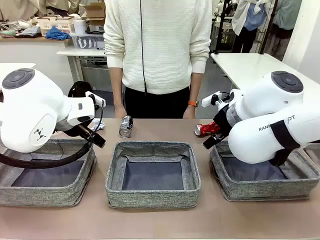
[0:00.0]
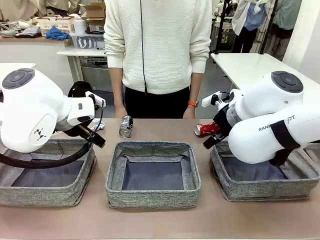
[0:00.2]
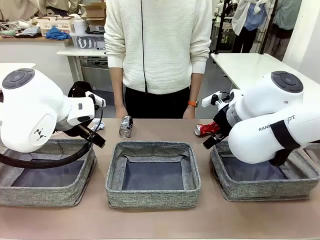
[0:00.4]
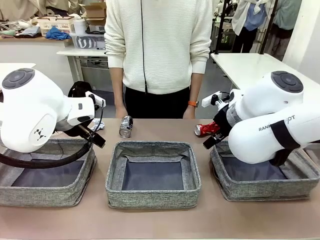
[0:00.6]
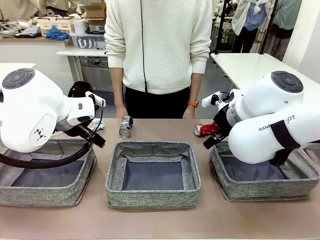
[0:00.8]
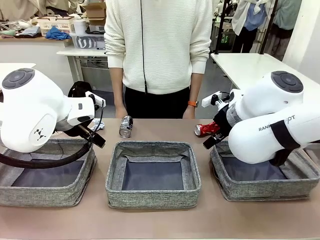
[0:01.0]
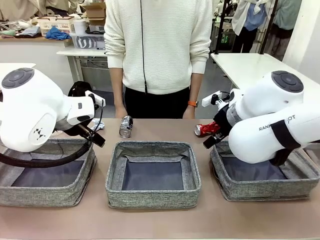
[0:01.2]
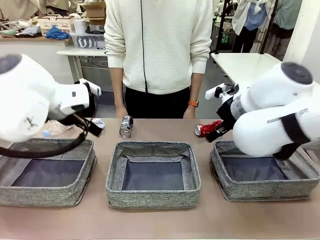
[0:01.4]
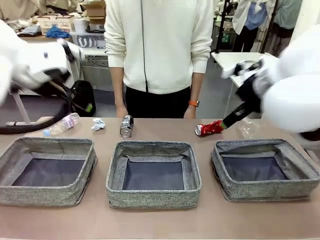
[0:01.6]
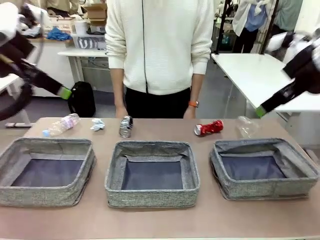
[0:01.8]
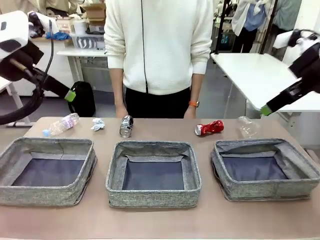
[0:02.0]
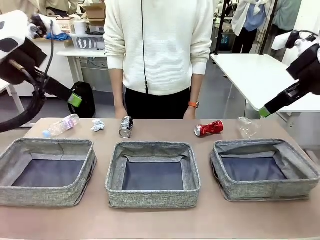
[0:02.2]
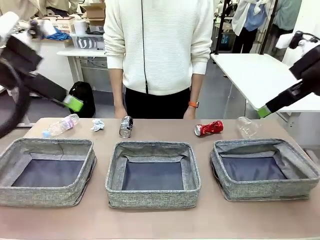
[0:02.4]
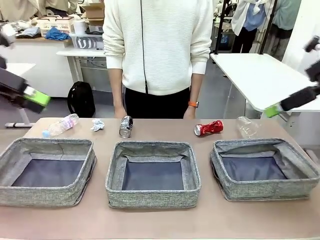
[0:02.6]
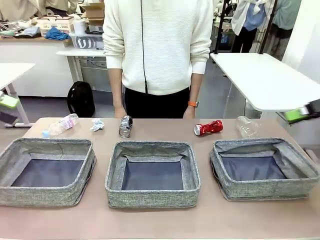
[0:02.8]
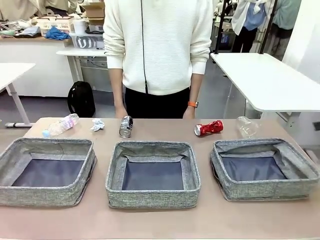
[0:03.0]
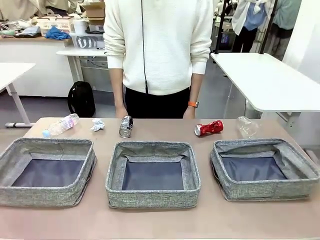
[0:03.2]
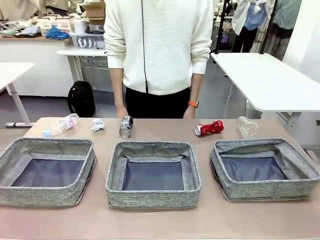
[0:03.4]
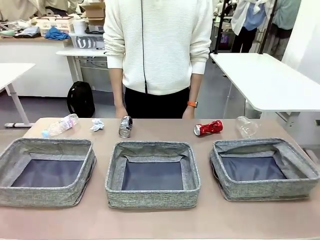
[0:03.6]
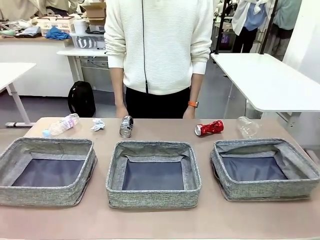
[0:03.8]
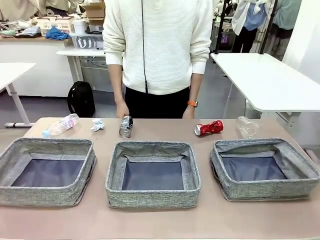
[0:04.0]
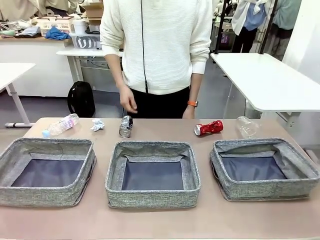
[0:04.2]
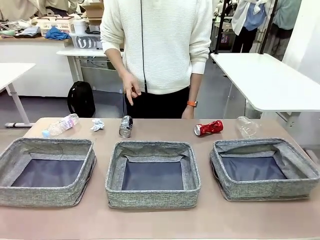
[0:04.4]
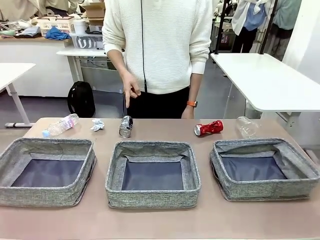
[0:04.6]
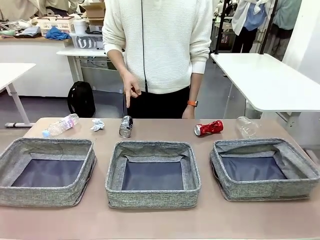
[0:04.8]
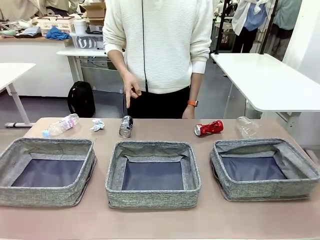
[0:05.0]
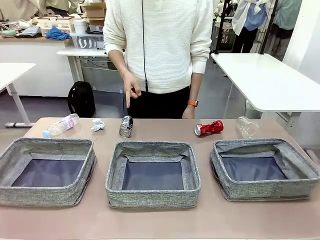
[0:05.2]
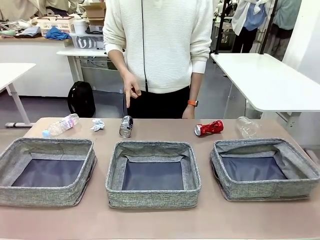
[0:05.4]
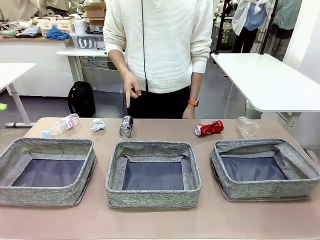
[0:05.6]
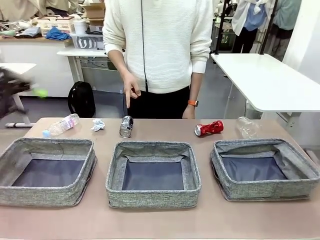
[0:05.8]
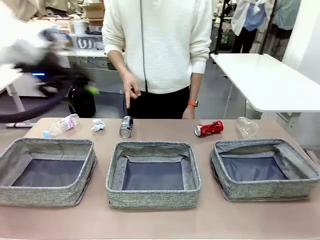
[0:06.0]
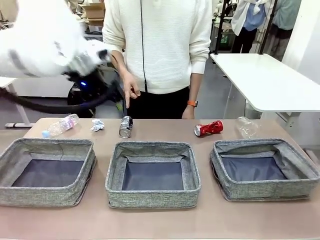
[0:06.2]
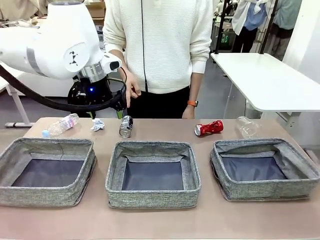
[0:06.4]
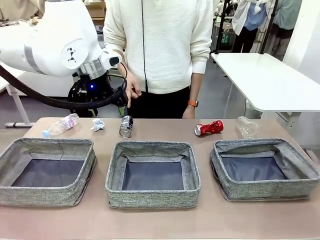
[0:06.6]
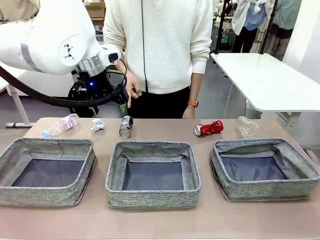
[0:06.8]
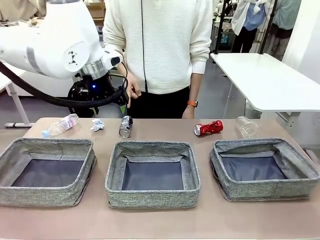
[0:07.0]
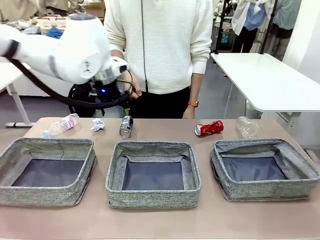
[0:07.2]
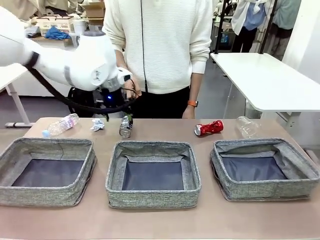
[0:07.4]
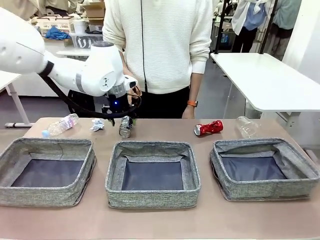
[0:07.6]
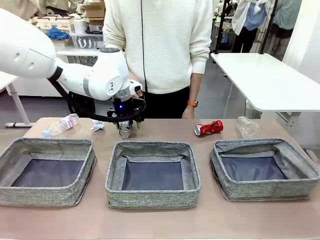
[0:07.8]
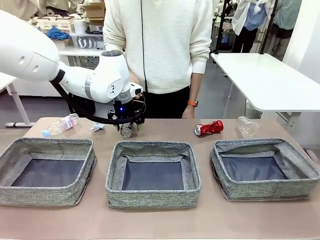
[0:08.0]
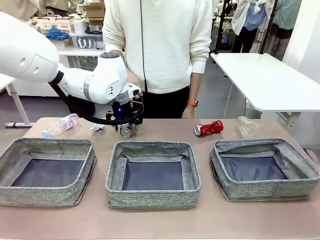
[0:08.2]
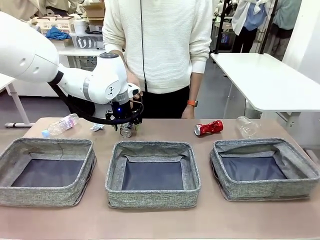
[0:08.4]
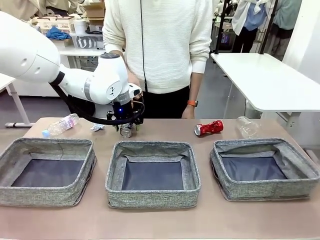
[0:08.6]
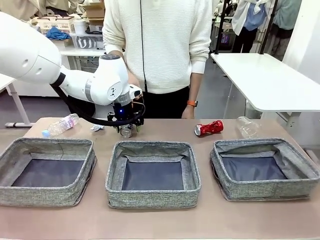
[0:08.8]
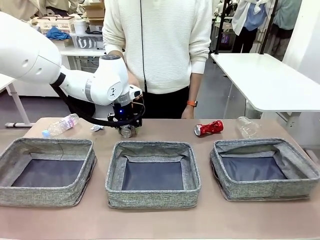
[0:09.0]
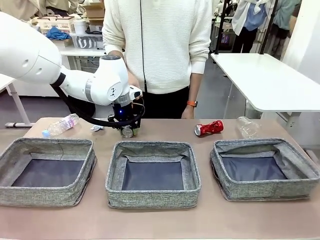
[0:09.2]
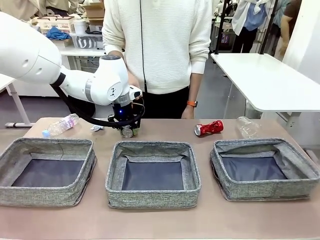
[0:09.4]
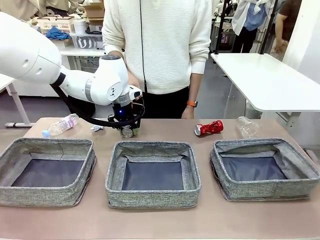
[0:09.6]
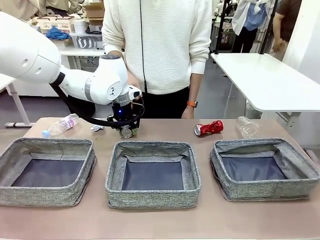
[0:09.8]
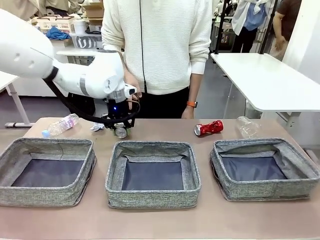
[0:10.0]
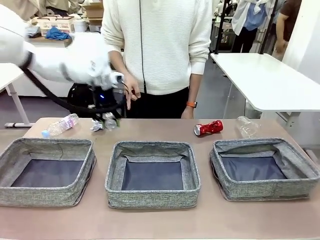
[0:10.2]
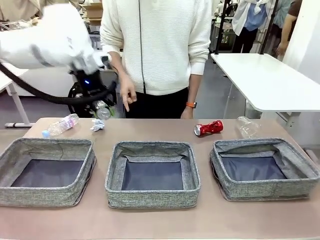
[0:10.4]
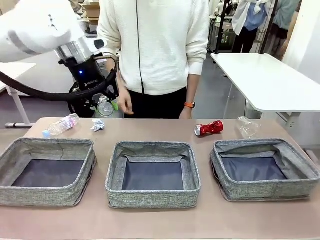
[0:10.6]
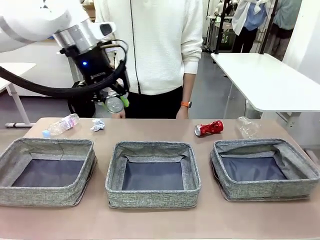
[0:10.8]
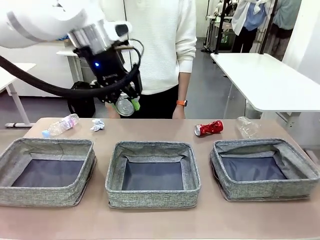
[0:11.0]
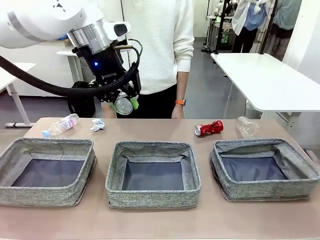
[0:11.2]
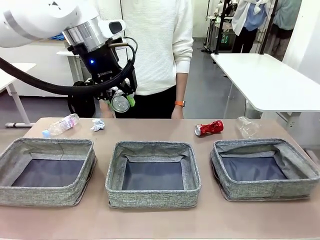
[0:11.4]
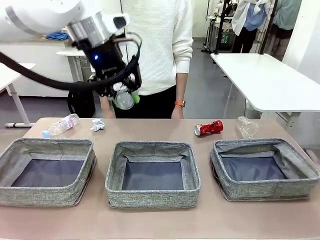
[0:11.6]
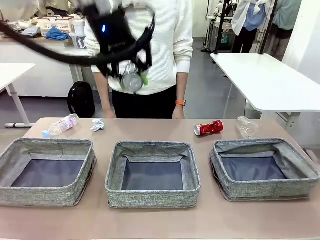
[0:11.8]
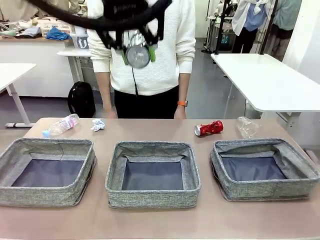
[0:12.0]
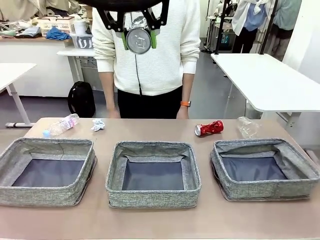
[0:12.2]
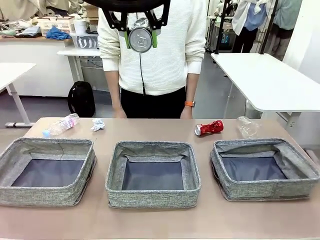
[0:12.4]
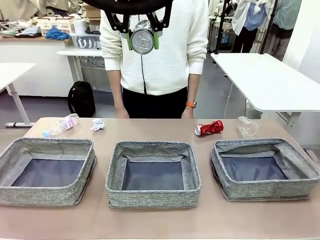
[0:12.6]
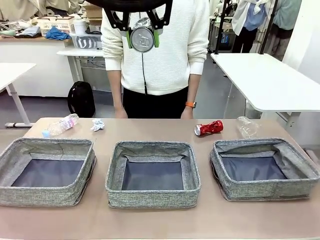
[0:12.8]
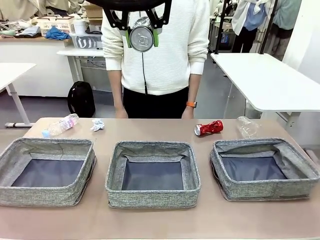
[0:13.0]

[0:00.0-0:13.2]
Task: Sort the waste into the appropriate baskets.
Robot: Pick up the waste item pointed out by the person.
Person: Points to one piece of trash on the table.

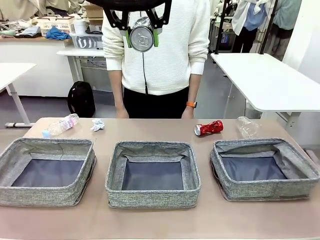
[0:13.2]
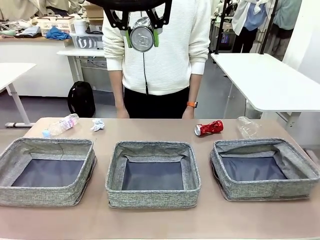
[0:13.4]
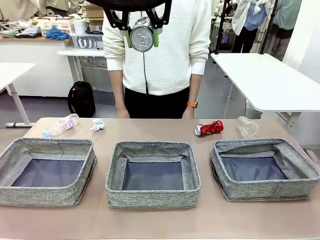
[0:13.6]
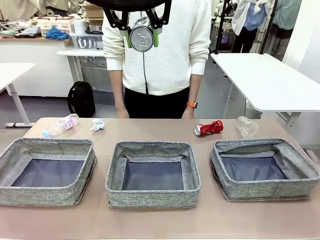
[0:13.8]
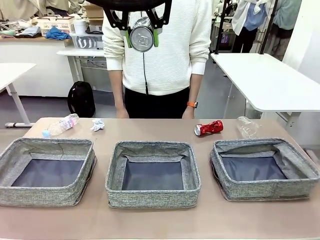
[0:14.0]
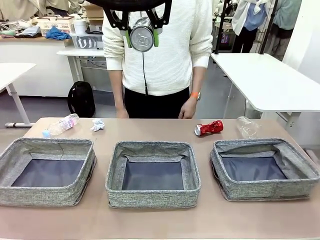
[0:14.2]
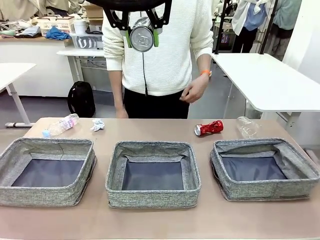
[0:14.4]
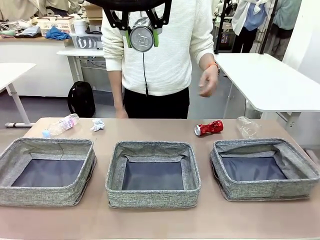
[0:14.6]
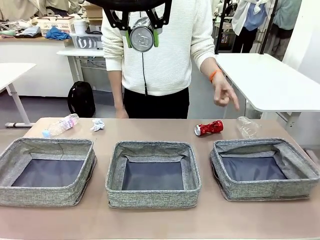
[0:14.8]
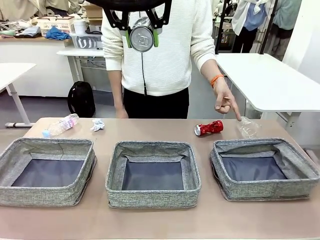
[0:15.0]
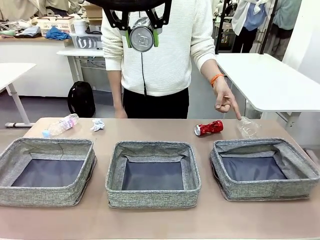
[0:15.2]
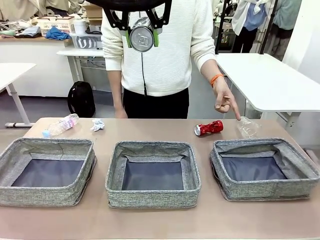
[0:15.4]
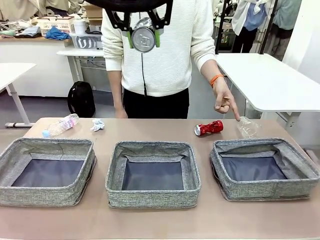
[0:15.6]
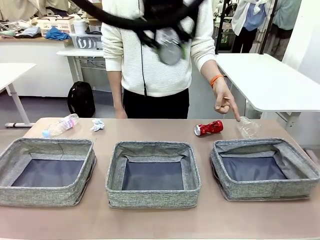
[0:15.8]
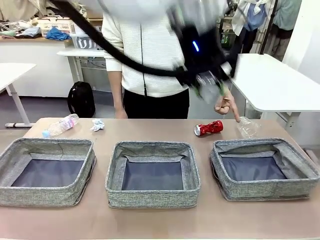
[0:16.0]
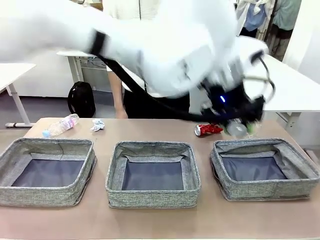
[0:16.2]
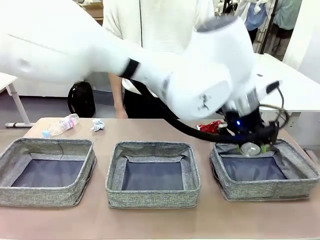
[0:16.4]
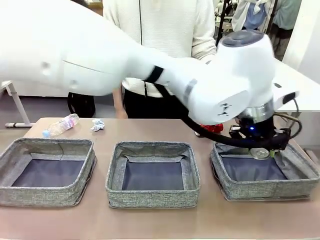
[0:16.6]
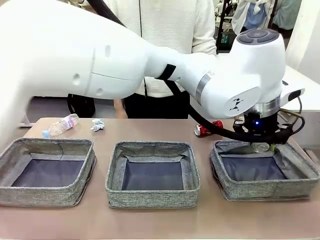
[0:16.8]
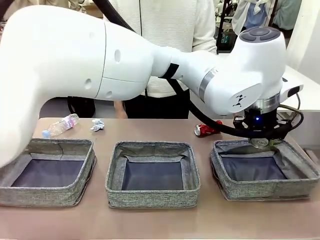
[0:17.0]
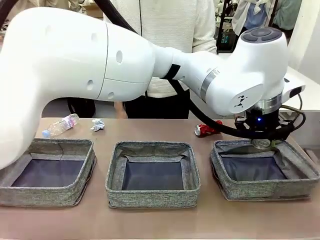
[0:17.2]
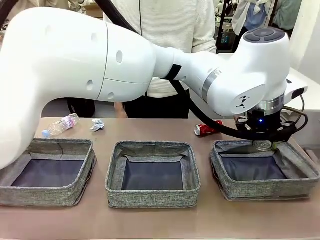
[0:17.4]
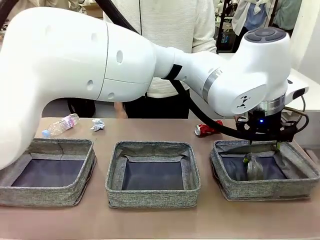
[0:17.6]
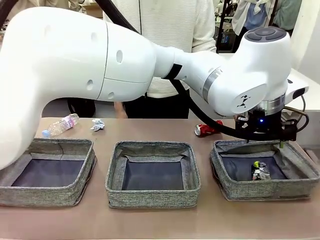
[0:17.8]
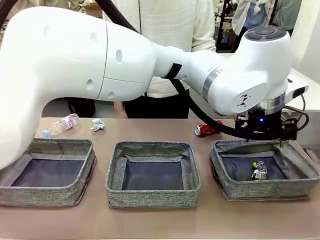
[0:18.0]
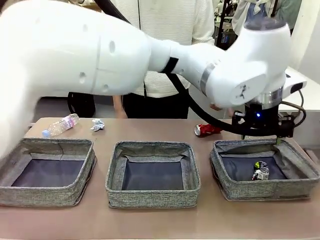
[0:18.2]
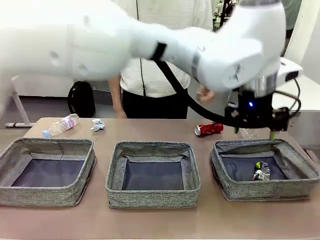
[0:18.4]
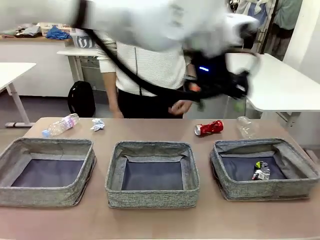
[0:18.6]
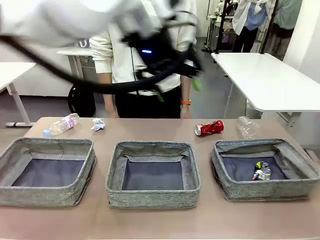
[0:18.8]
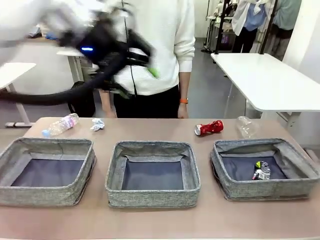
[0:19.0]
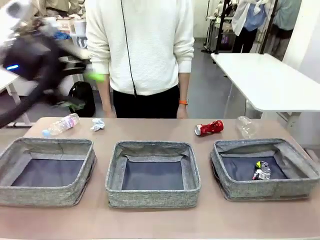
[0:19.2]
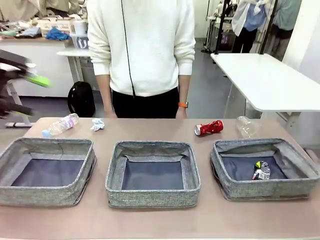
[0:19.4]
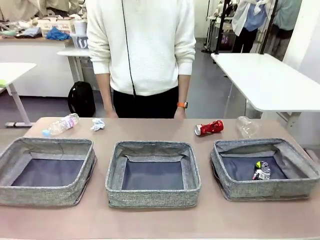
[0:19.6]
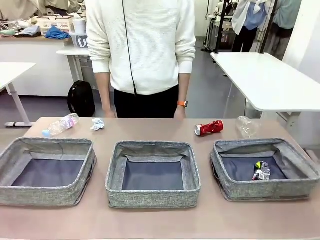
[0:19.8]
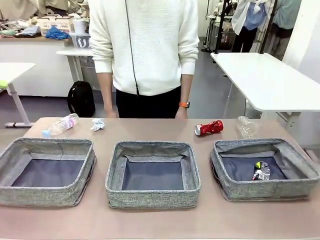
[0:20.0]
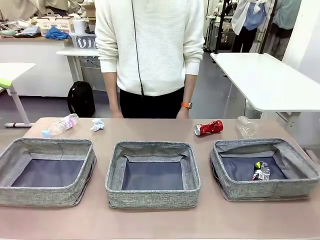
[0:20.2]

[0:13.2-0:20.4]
Robot: Place the picked waste into the Fabric basket indicated by the person.
Person: Instructs the robot to place the picked-up trash into the appropriate organizing basket.
